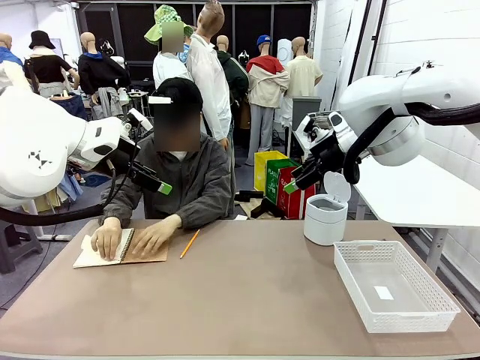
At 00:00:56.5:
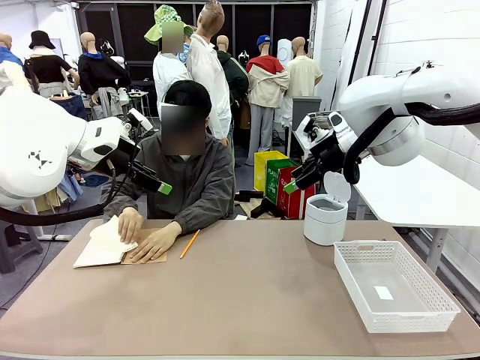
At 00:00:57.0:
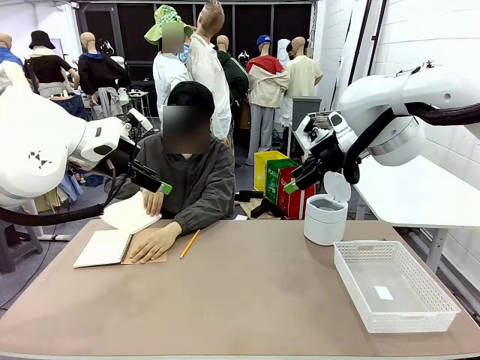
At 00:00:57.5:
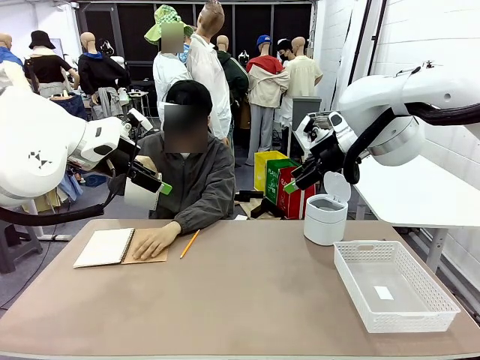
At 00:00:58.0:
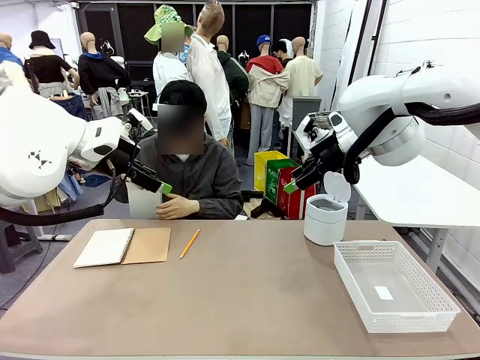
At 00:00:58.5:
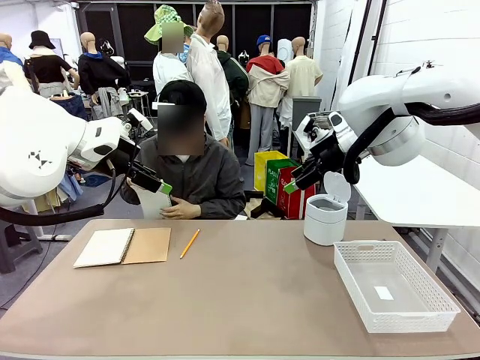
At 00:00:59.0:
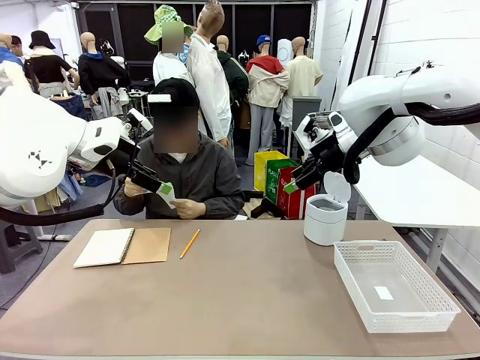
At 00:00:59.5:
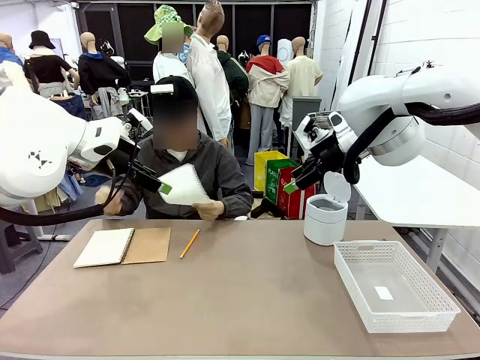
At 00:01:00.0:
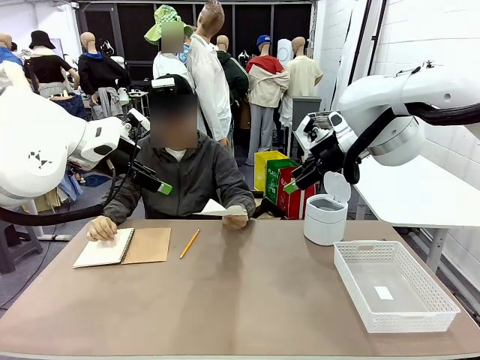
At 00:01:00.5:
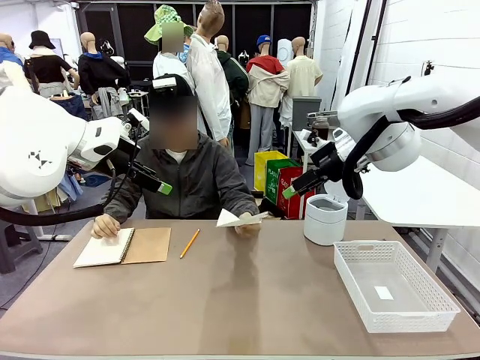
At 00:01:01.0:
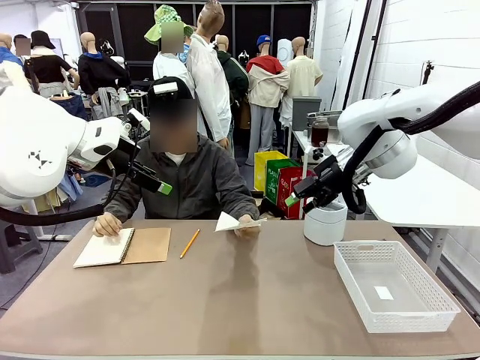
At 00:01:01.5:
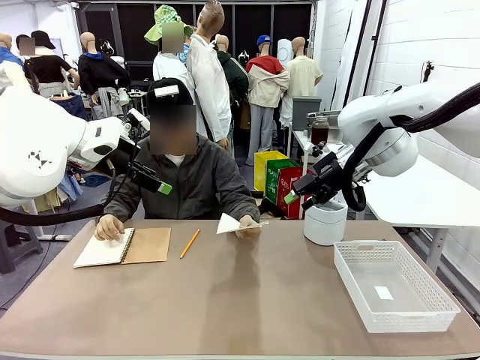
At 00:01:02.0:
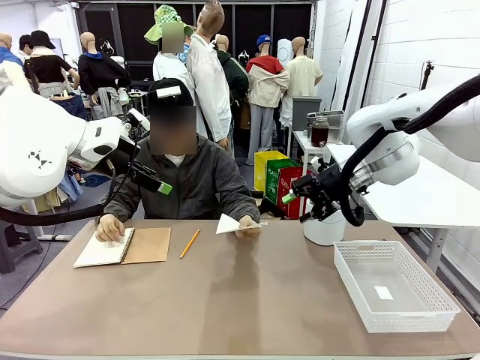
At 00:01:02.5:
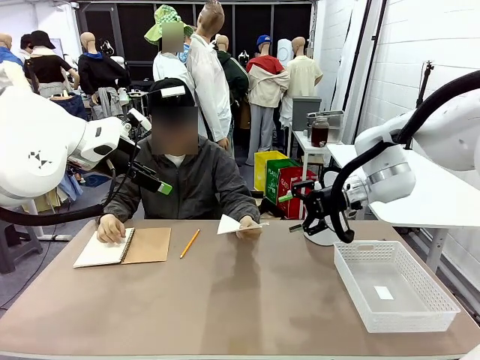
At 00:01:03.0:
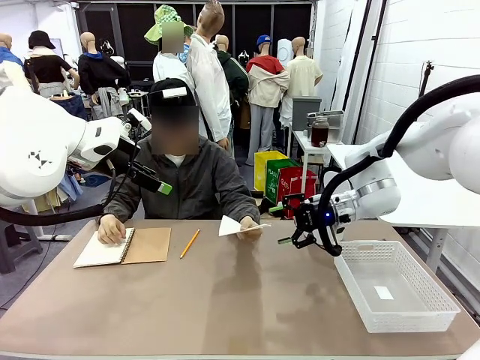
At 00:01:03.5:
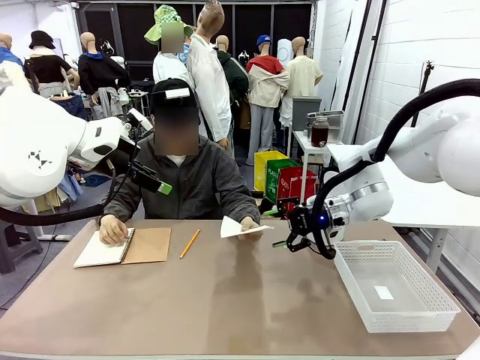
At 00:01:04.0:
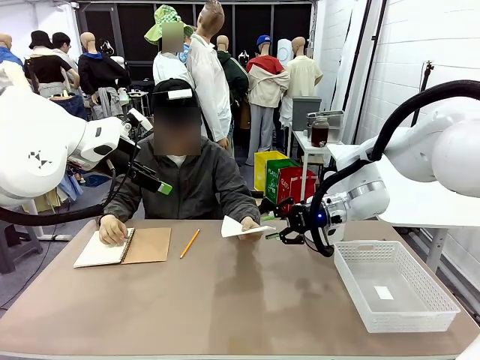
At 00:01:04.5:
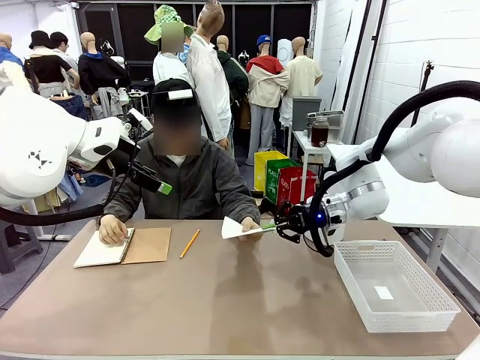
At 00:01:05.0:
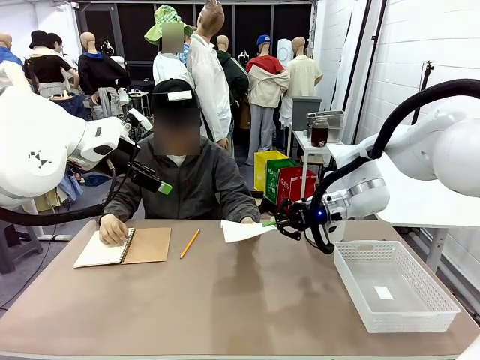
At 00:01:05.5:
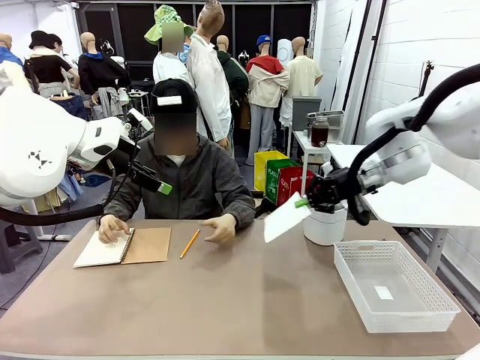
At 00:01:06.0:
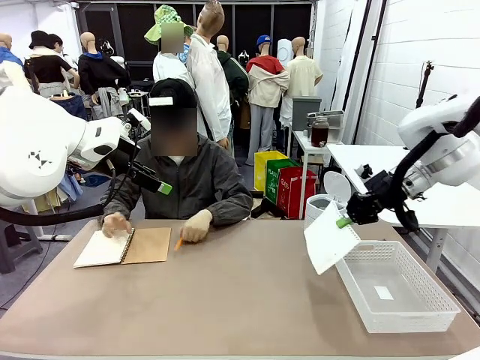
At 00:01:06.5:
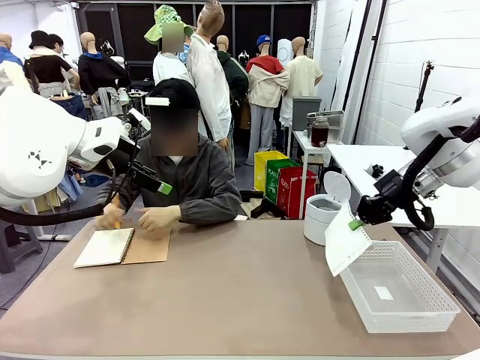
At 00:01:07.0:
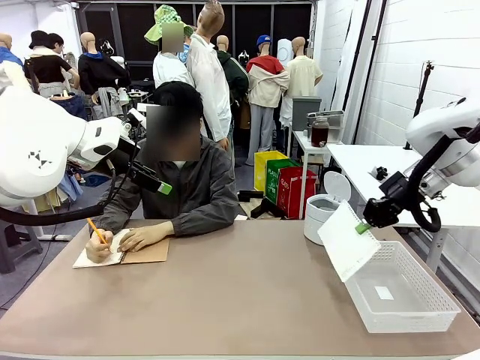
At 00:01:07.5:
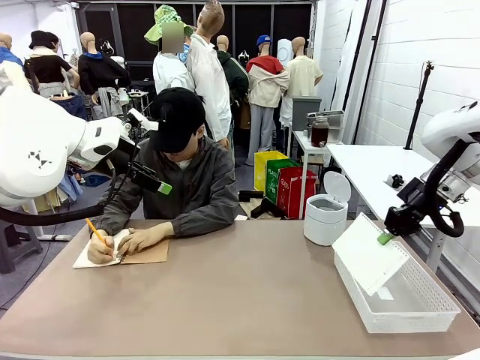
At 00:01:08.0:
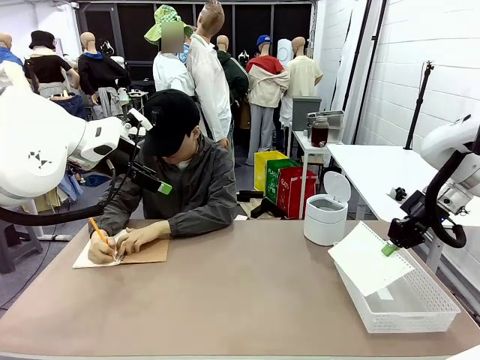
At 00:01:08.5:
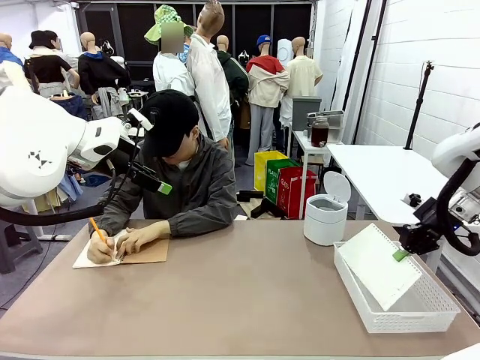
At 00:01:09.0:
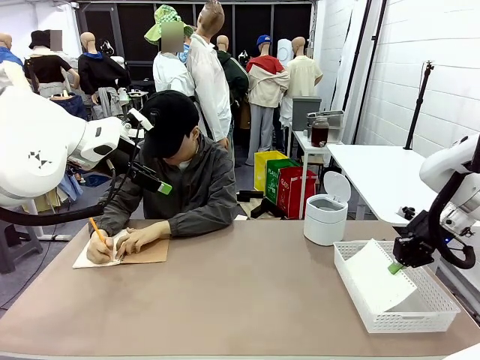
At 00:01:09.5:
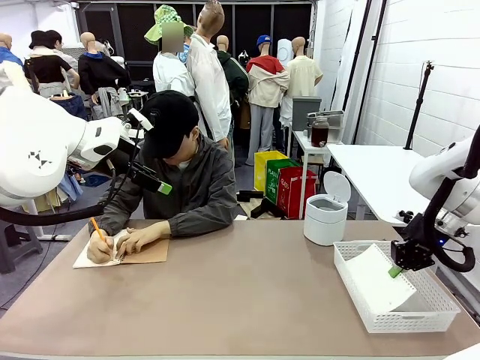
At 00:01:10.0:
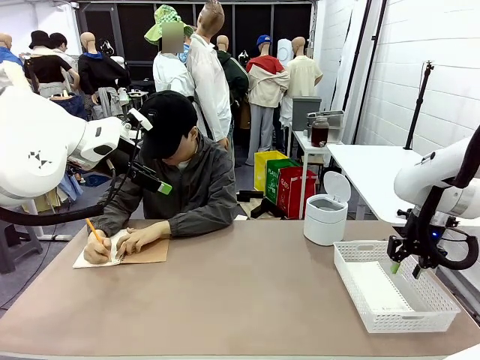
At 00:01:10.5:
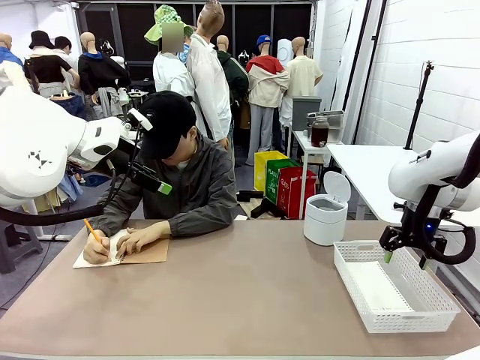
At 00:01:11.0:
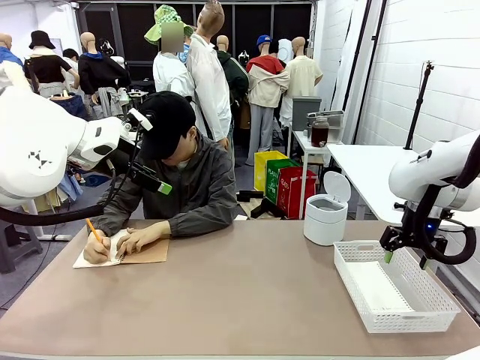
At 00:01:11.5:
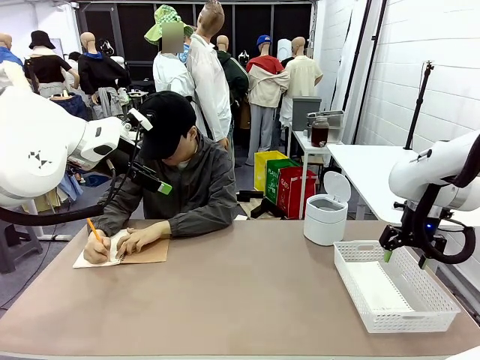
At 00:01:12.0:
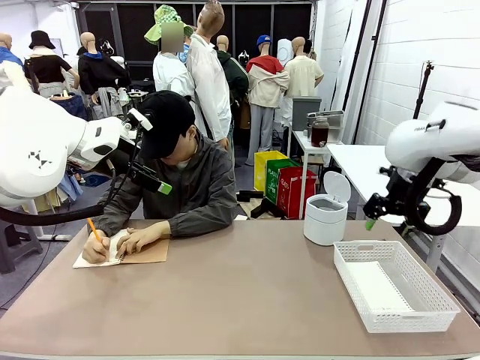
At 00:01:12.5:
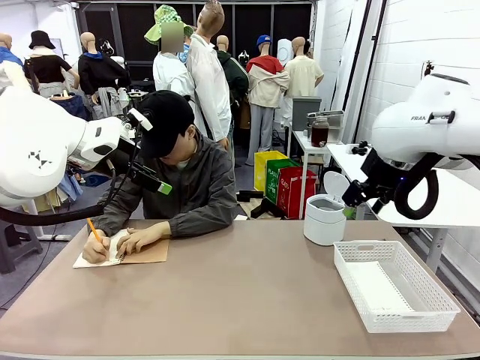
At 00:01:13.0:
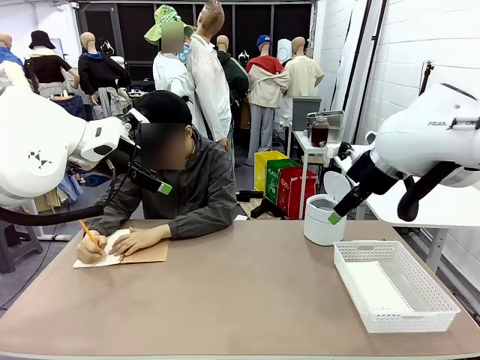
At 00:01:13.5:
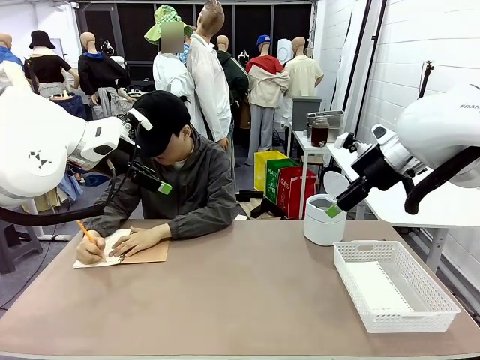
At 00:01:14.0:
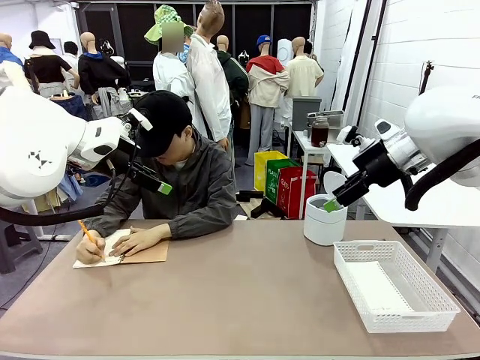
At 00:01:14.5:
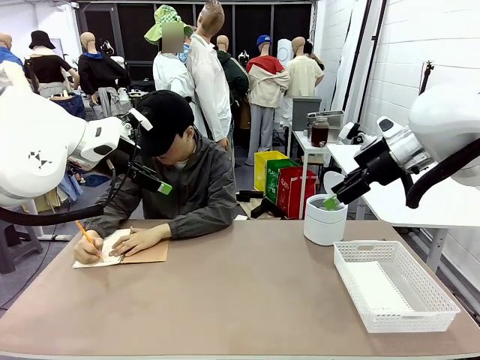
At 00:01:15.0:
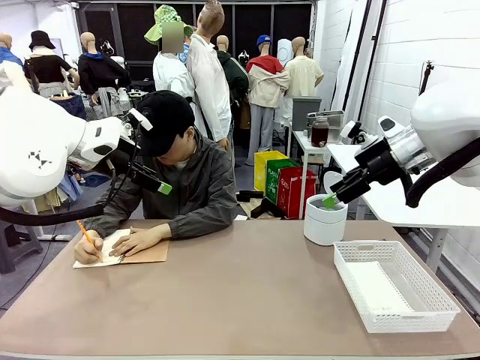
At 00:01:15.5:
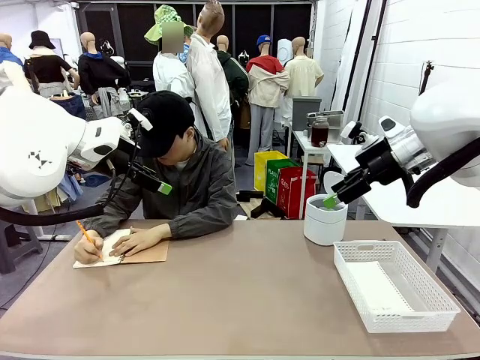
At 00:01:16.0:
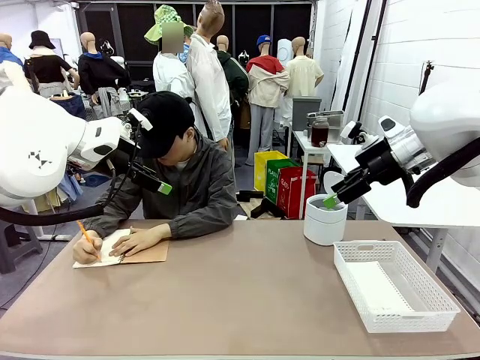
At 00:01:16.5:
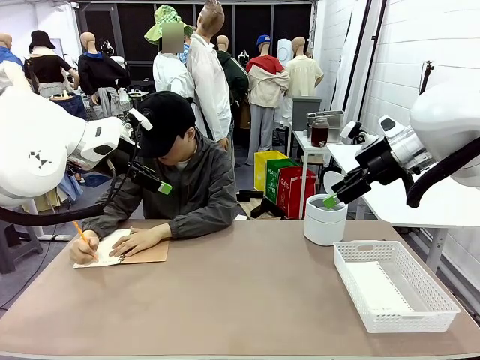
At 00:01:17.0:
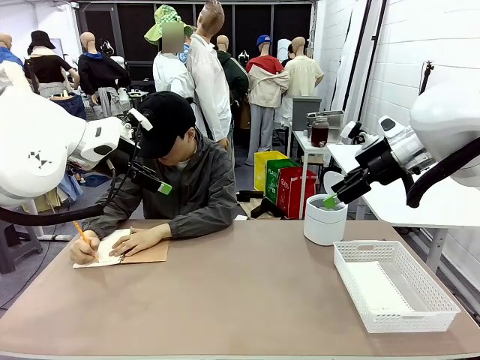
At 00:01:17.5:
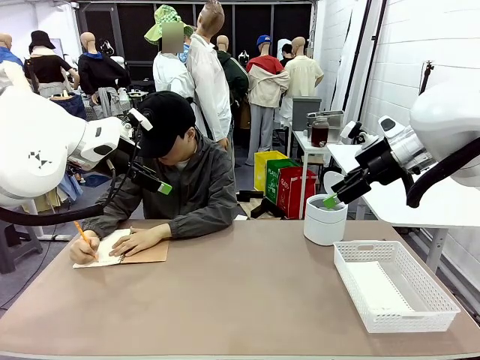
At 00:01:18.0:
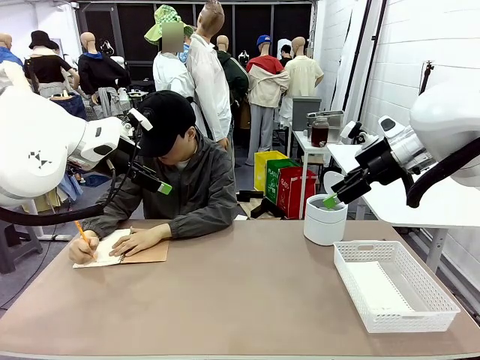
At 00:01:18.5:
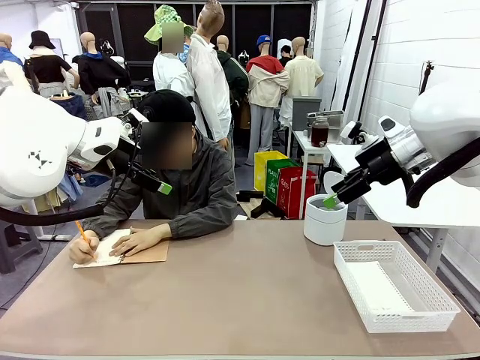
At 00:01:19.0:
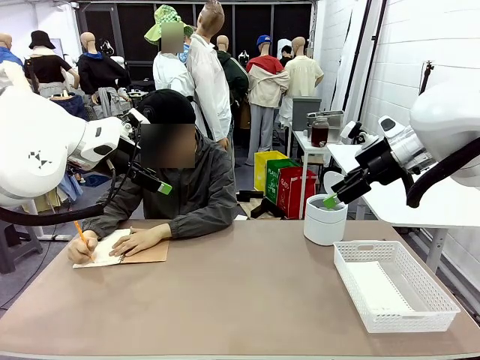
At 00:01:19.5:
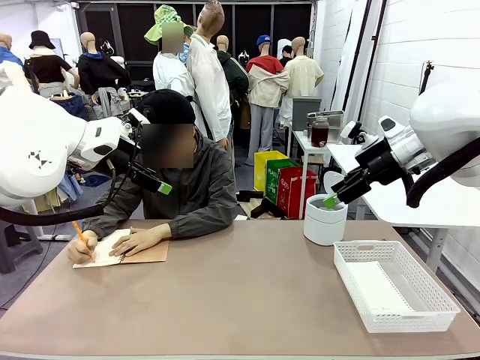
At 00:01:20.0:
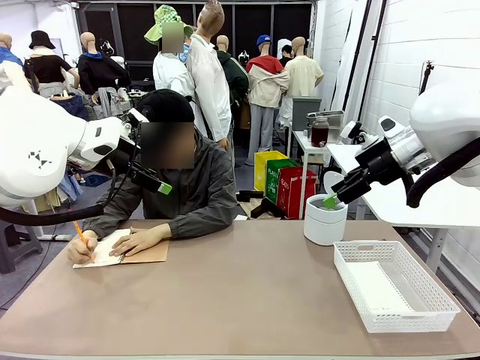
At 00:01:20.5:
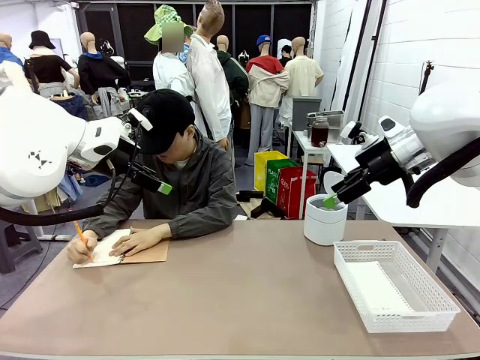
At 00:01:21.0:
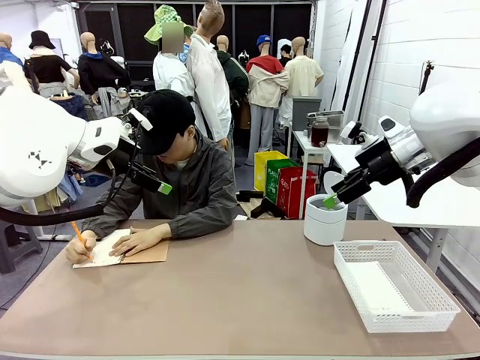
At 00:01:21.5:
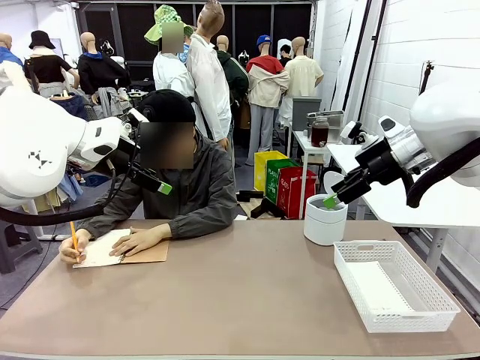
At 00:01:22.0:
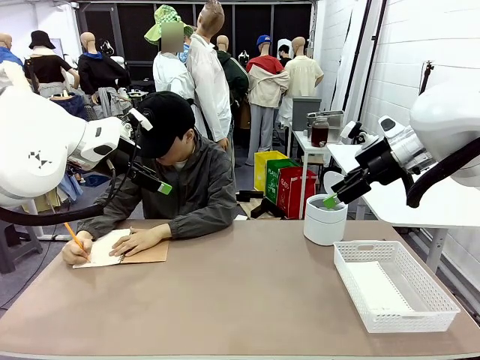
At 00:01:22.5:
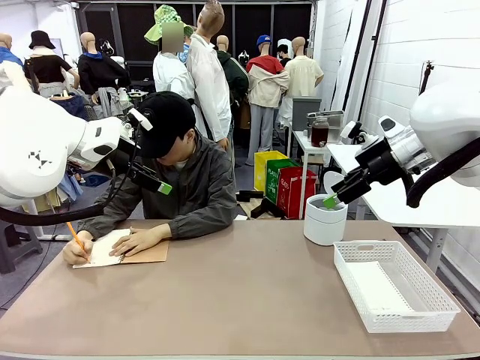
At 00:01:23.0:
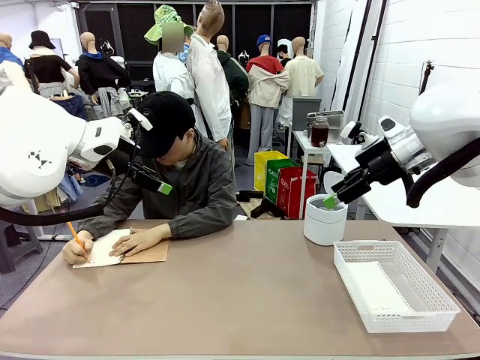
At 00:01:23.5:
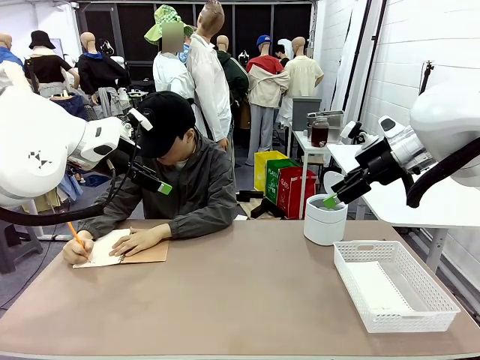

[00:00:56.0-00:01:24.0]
Task: Sort the paper based on its condition.
Robot: If a person hands you a paper, place it in the Organizing basket , and if it's crumpled, put it in the Trash can.
Person: Hand the torn page to the robot or crumple it and throw it to the center of the table. Tear out a page from the spiral notebook.
